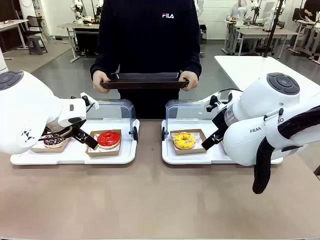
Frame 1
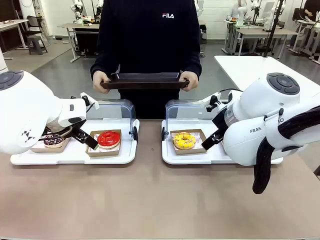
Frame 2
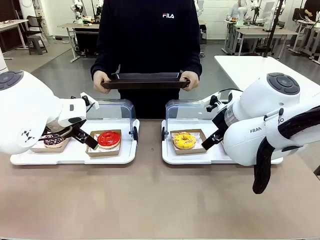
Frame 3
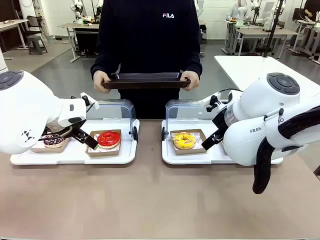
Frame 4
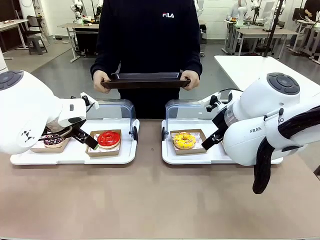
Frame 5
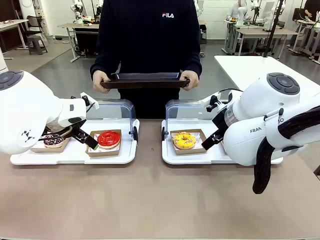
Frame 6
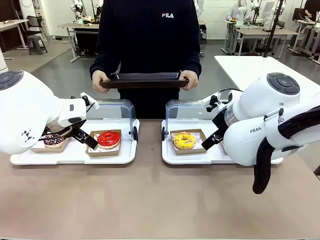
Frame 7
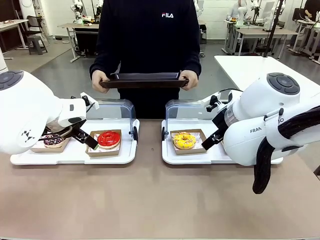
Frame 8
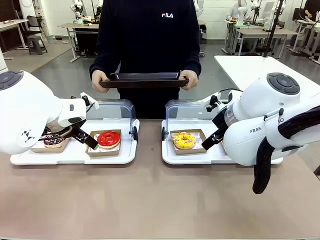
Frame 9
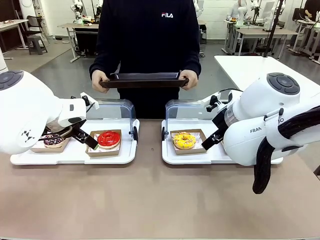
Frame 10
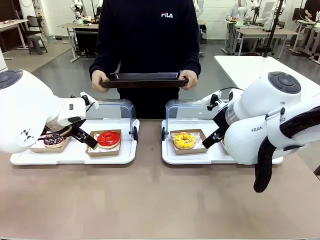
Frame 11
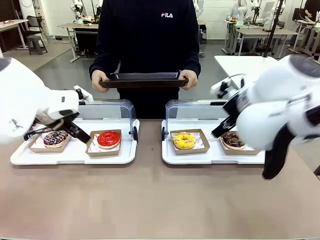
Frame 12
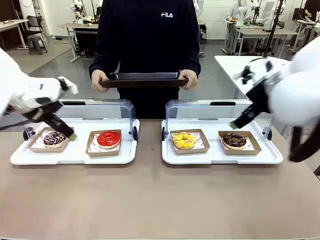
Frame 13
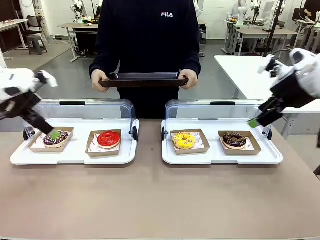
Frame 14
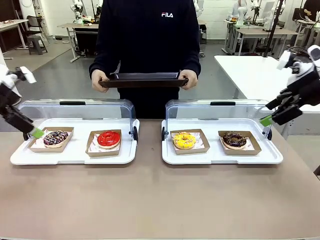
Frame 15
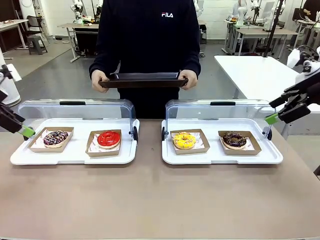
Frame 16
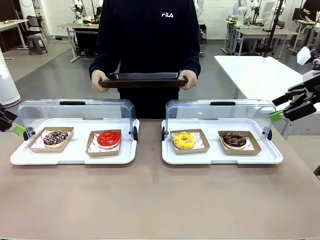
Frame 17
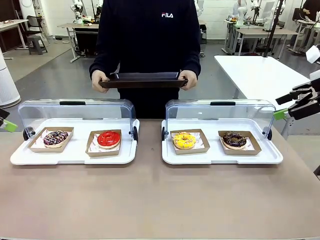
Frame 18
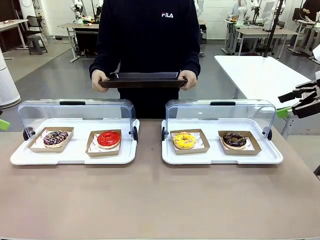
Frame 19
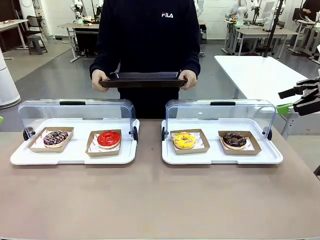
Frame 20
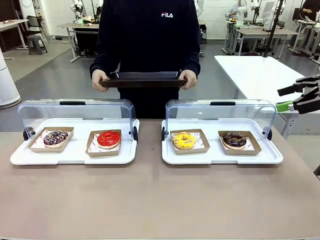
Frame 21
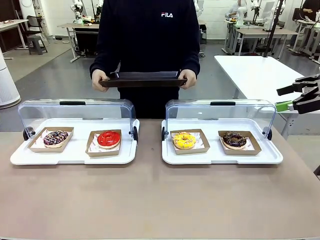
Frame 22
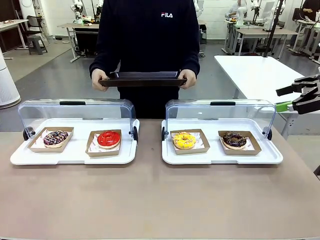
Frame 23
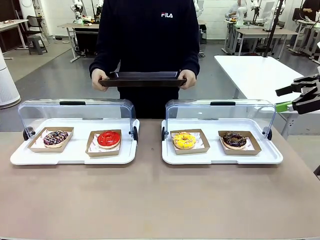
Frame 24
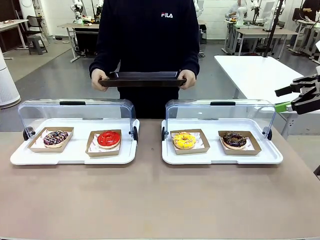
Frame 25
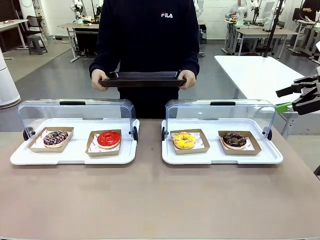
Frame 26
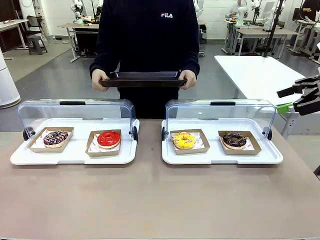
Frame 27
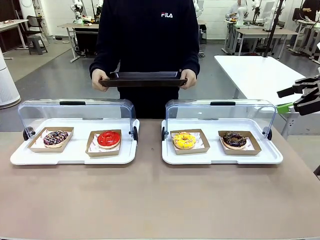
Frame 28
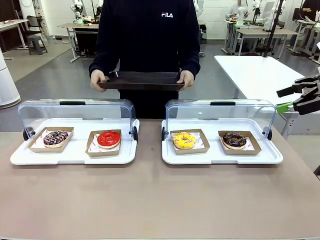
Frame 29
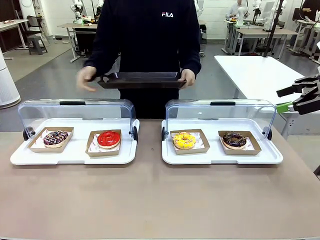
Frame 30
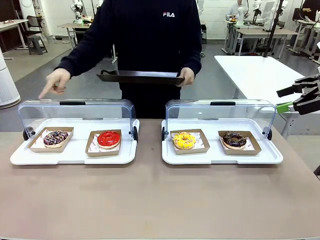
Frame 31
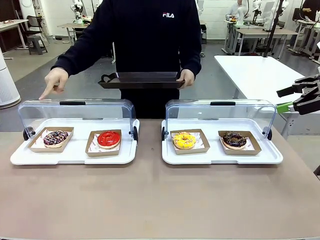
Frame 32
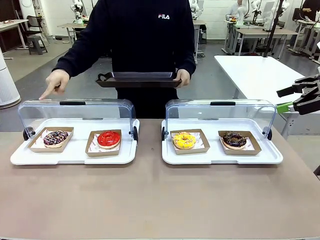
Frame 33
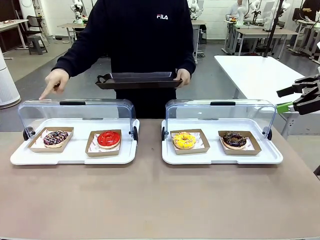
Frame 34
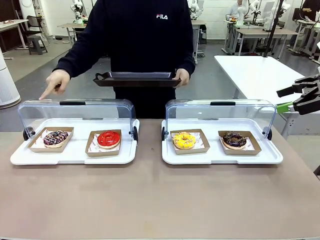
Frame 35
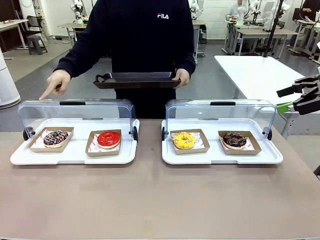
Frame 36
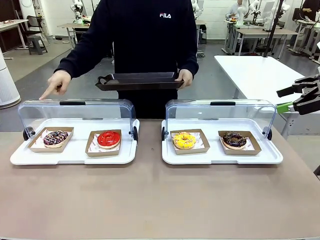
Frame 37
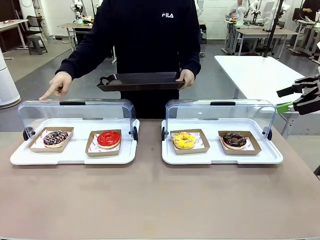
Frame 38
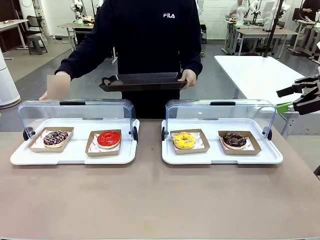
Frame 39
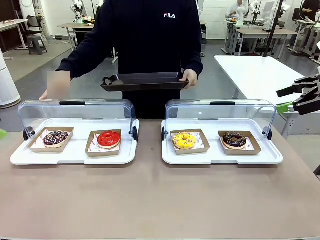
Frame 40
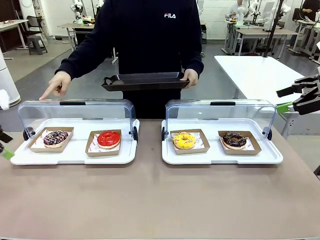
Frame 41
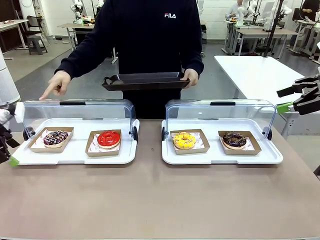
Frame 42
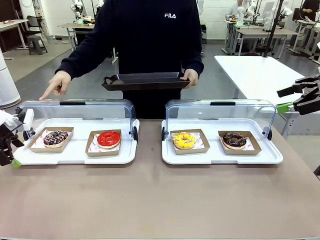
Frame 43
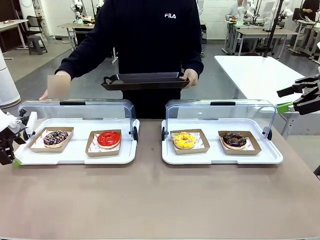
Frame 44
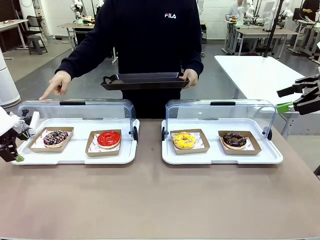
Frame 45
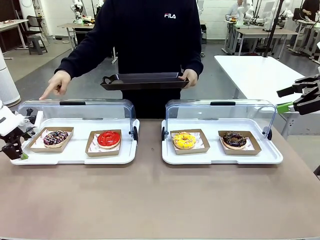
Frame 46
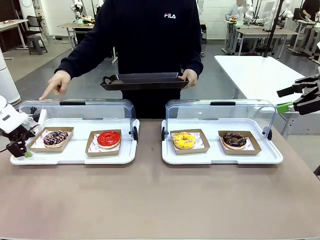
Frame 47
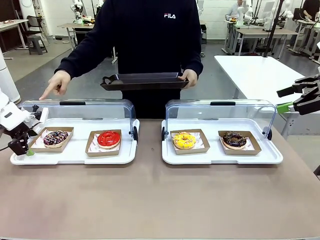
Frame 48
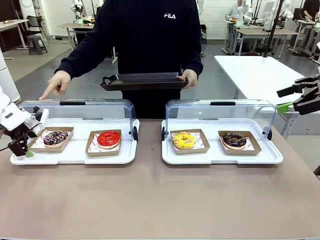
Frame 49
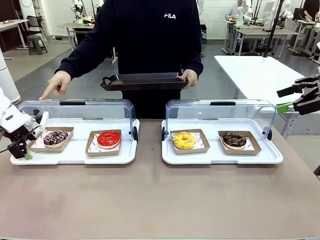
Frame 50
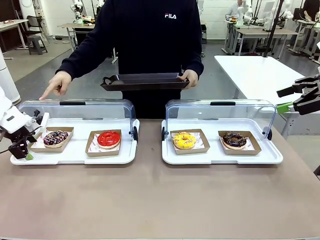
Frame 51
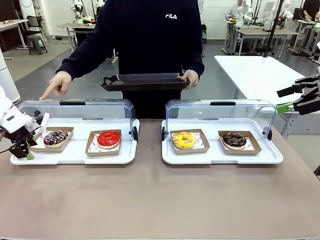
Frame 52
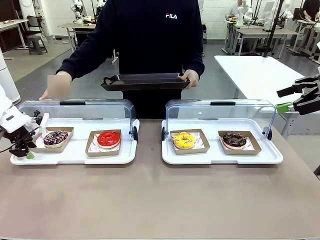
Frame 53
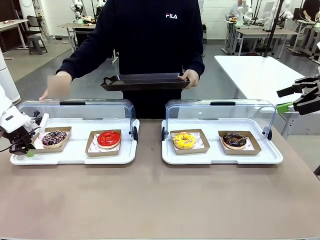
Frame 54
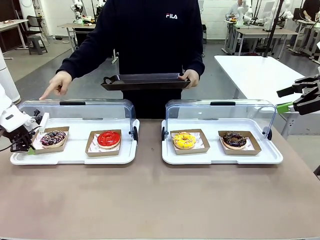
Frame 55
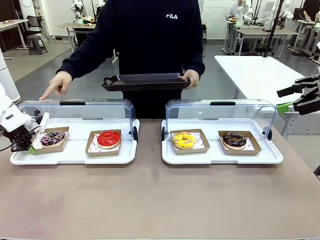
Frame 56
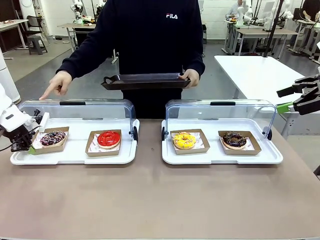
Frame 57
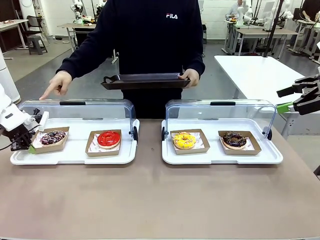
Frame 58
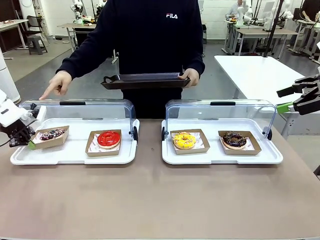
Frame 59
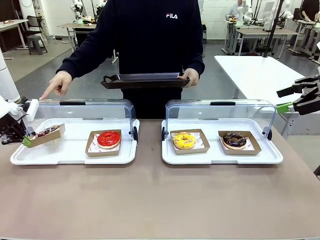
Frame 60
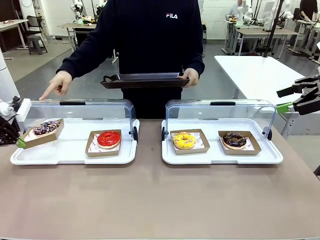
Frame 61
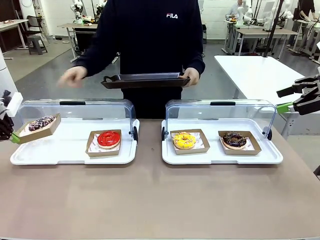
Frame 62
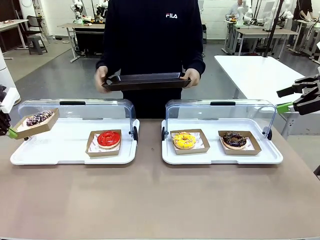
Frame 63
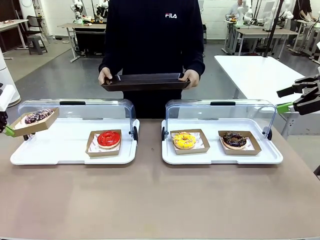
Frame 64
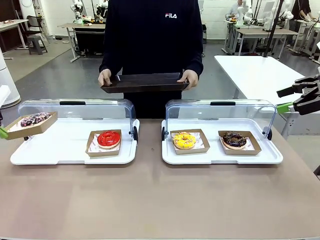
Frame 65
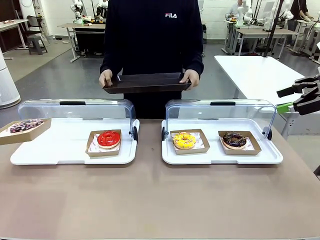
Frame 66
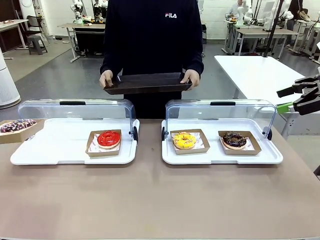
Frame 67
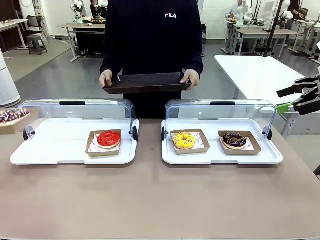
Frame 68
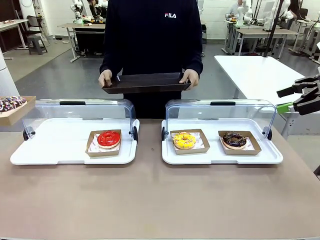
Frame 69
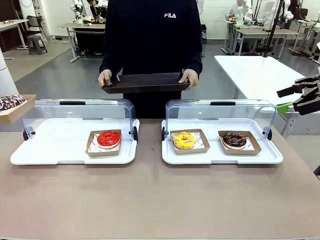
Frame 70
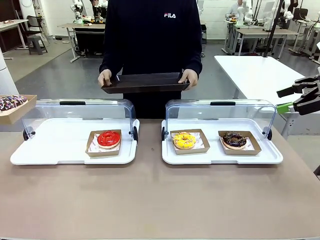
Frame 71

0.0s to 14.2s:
Task: Provide the desired donut to the person.
Robot: Pick up and lift the Paper togo box containing the Donut pointed at by the person.
Person: Point to one donut. Lift the tray onto the Roll-Top Bakery Case.

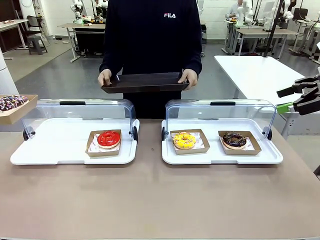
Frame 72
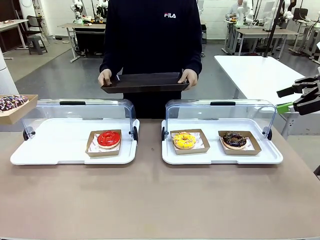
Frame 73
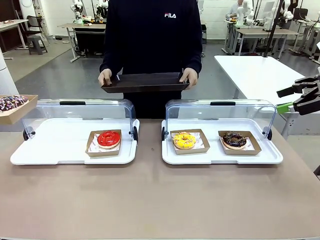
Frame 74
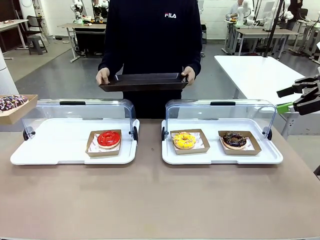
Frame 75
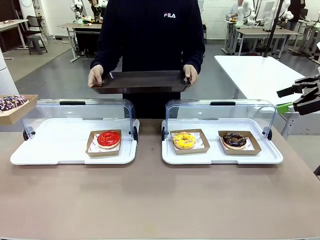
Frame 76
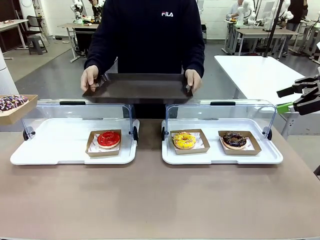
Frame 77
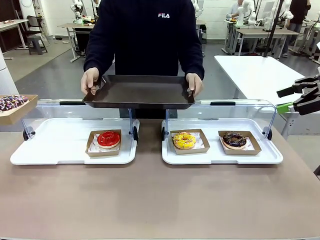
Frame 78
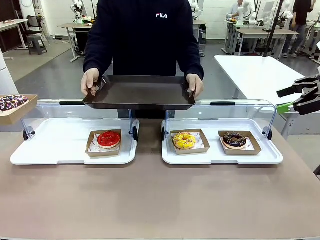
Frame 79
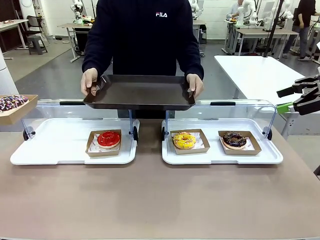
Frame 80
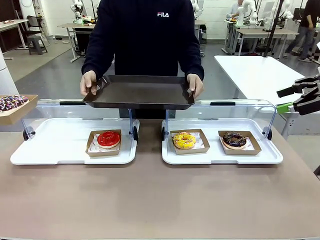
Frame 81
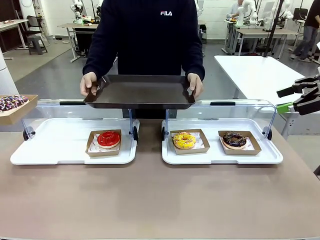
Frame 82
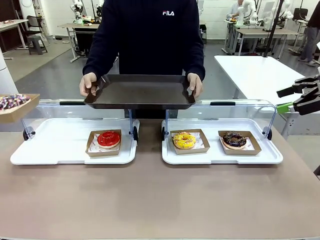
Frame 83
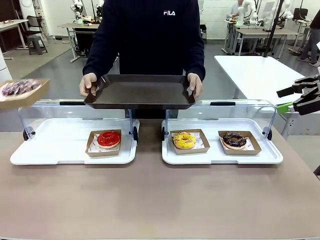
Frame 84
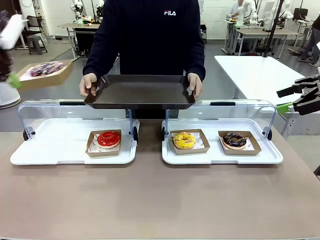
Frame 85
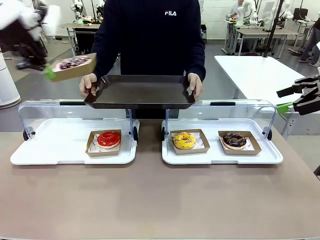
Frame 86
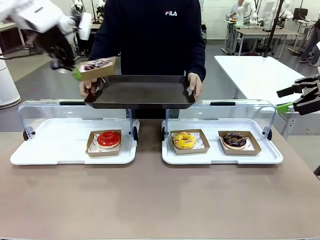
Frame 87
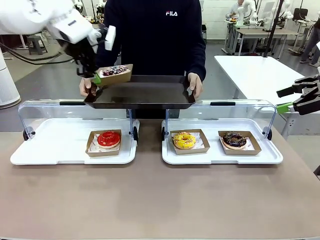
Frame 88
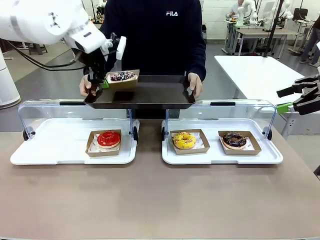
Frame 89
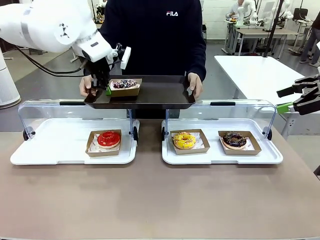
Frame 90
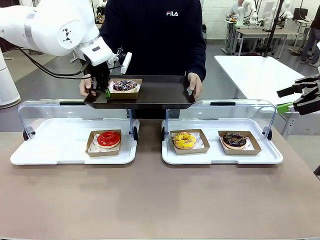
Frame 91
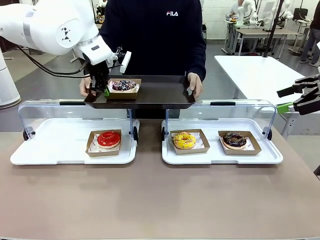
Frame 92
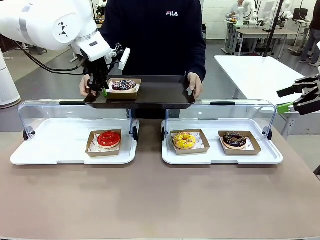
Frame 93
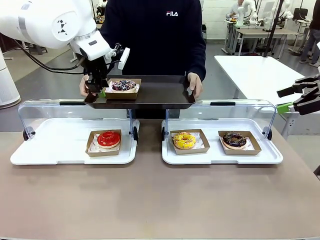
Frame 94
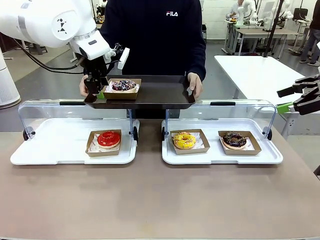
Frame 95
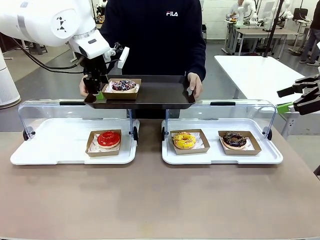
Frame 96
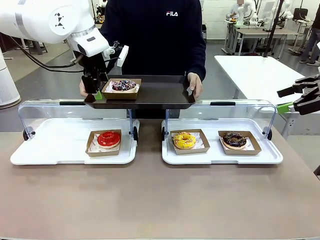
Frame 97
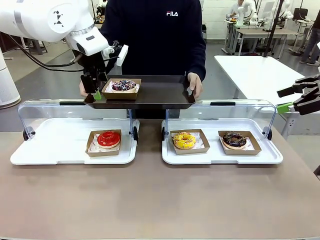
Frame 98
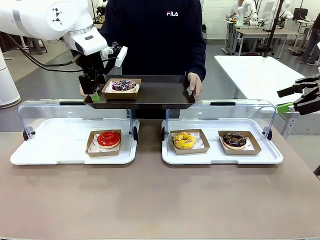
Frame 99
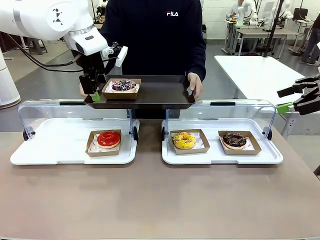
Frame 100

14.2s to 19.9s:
Robot: Place the picked Paper togo box onto the Handle tray extended by the person.
